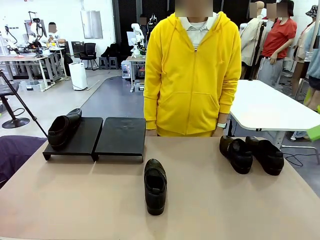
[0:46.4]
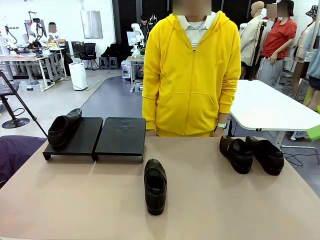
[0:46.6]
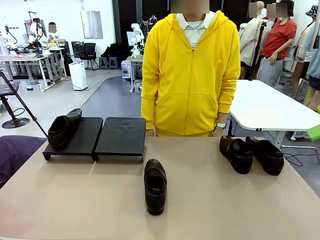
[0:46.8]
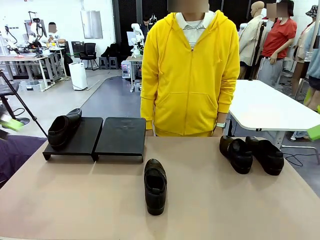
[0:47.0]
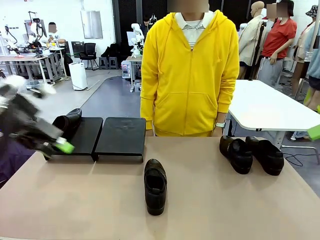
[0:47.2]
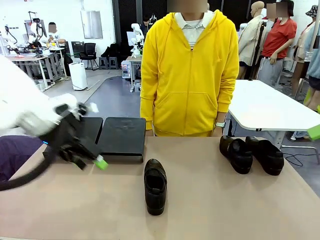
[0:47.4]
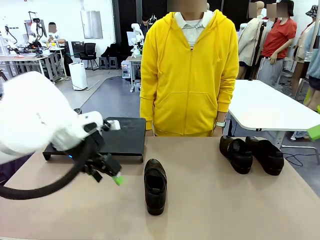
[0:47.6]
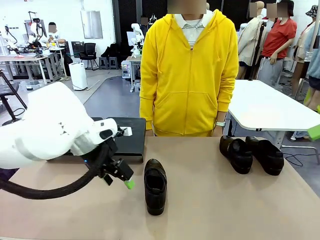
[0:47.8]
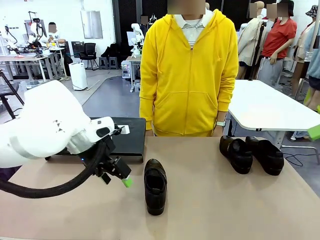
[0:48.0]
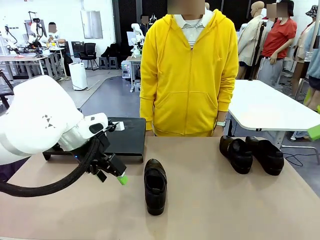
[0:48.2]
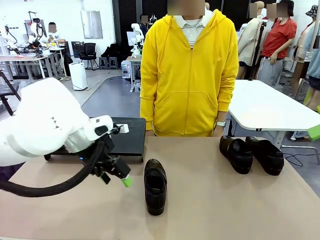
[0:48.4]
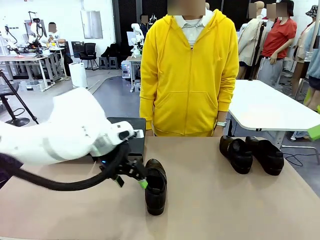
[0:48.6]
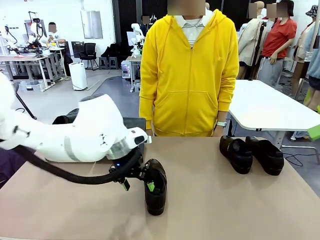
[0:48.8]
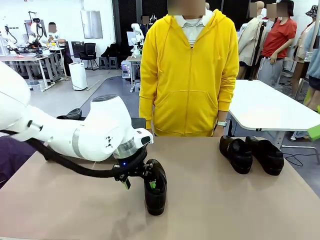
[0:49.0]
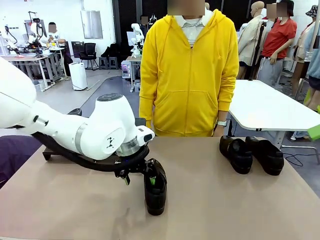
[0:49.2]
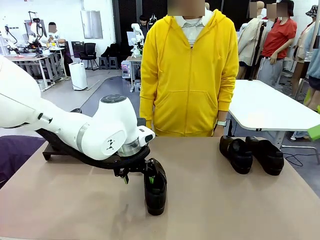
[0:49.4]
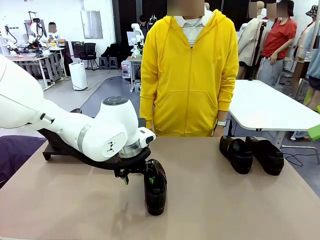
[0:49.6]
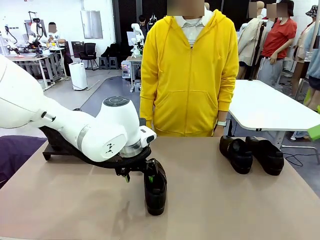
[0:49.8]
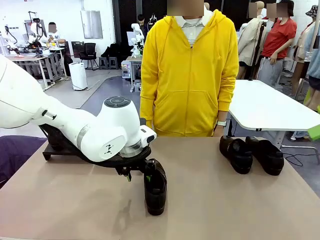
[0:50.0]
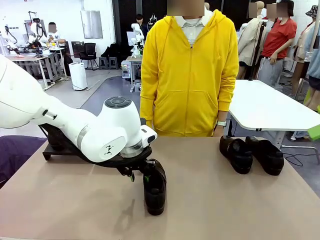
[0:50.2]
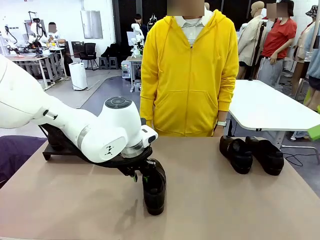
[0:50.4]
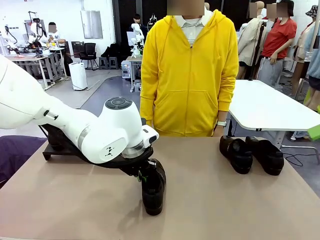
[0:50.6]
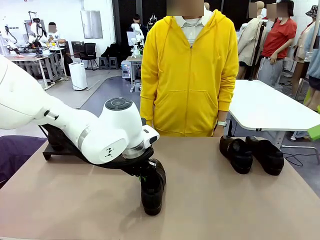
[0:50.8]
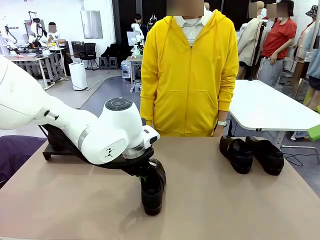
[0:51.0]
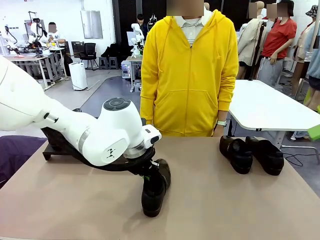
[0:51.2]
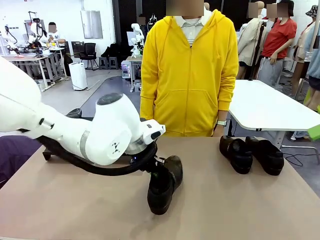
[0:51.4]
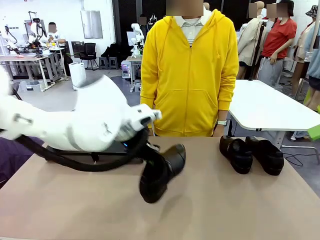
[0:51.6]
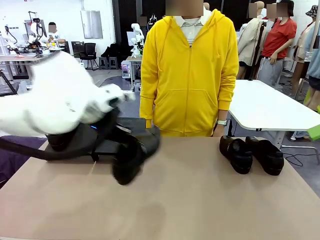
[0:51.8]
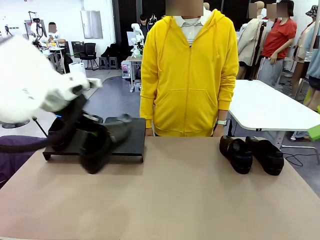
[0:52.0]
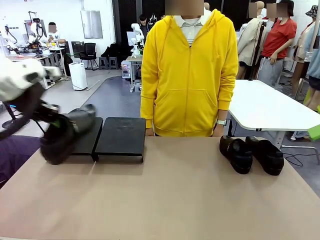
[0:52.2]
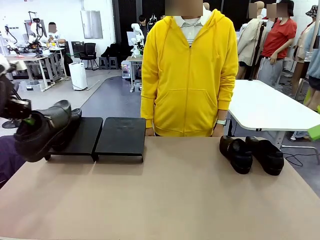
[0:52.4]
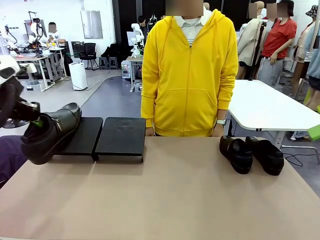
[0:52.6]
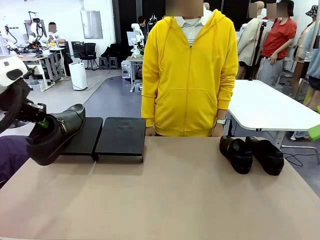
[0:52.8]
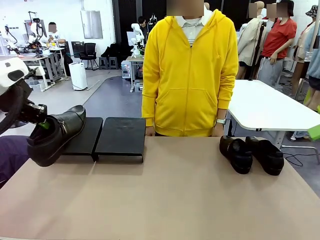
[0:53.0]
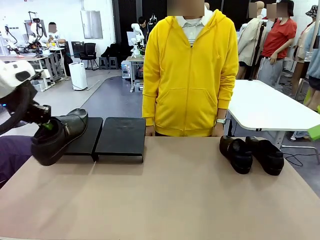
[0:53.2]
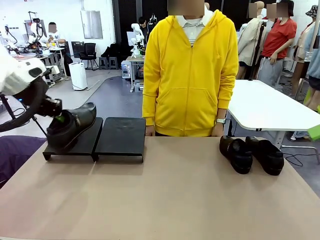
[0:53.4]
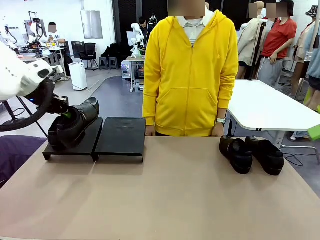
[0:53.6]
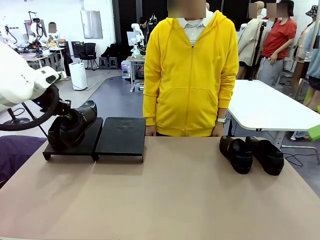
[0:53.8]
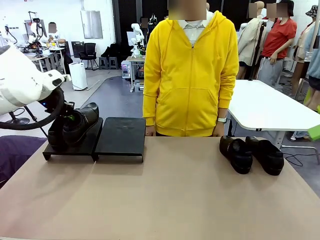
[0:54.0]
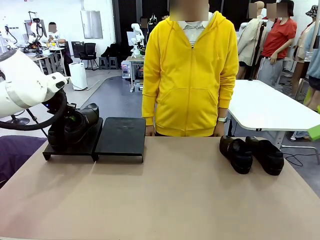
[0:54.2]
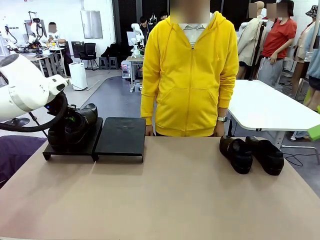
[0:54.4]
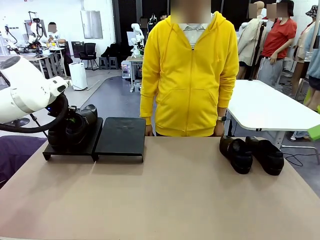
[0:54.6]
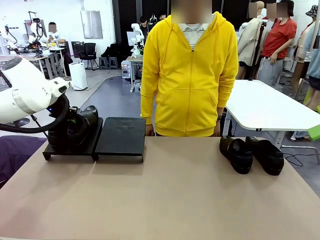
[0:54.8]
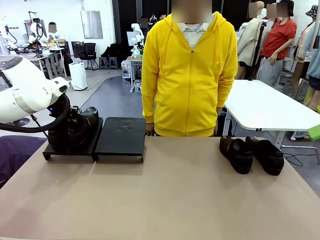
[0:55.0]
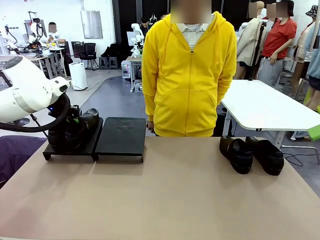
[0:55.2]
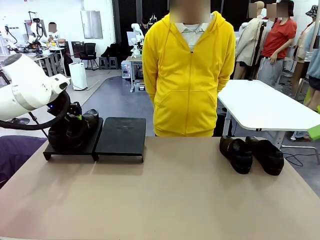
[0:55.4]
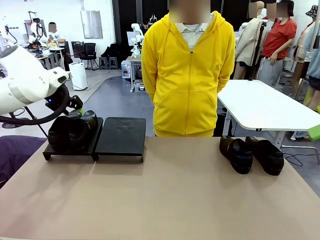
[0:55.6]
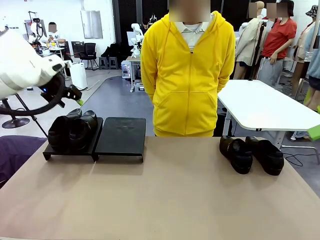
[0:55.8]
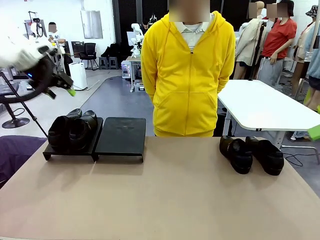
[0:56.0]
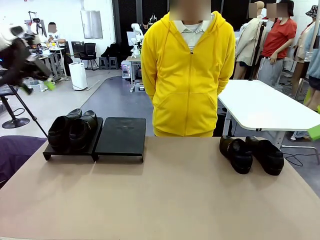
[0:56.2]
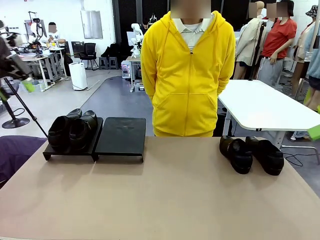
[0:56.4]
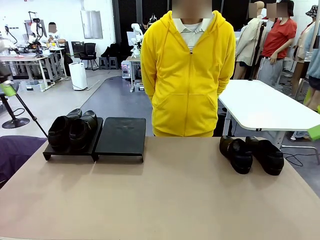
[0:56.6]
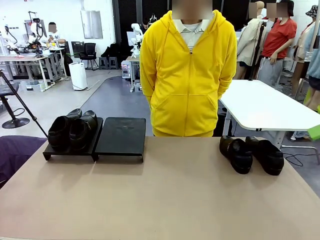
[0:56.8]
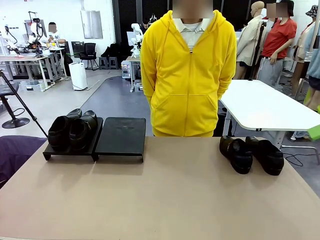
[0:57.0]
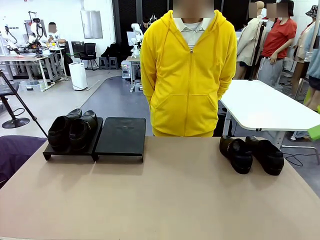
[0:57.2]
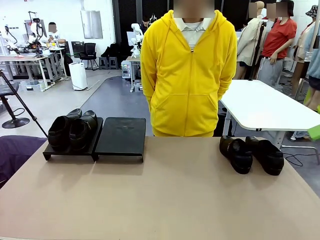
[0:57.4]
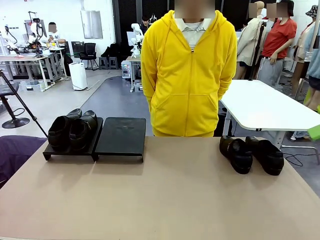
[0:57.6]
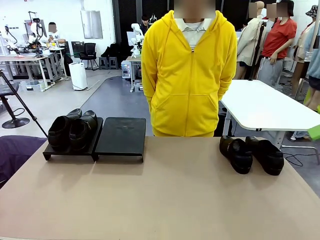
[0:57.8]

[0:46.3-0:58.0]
Task: Organize the shoes by placing them on the stand.
Robot: Place the Shoe from the middle of the table onto the Shoes Stand.

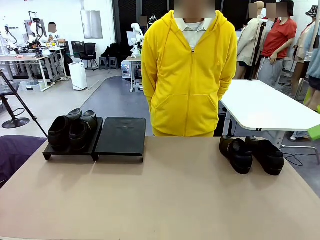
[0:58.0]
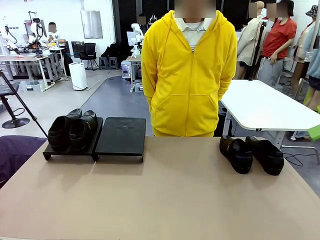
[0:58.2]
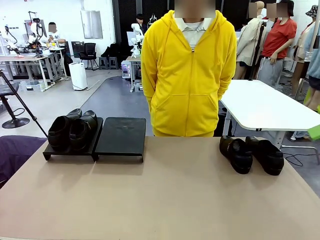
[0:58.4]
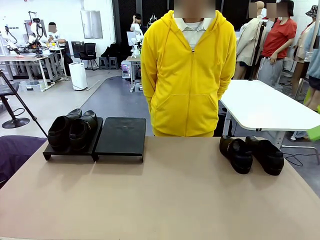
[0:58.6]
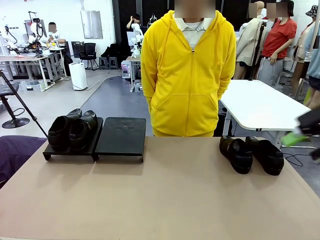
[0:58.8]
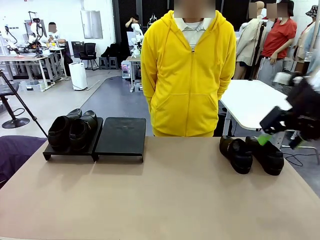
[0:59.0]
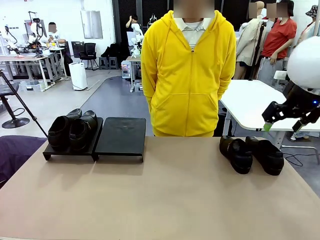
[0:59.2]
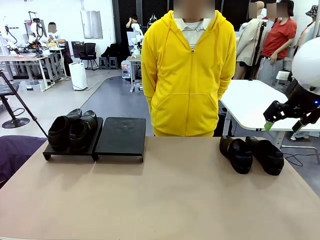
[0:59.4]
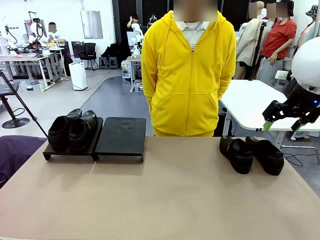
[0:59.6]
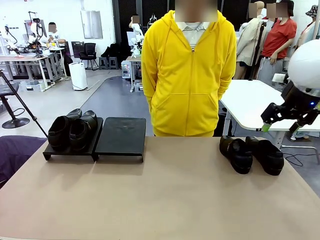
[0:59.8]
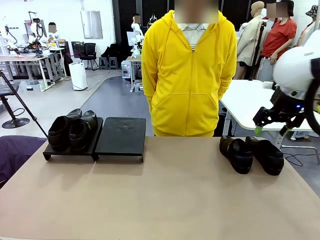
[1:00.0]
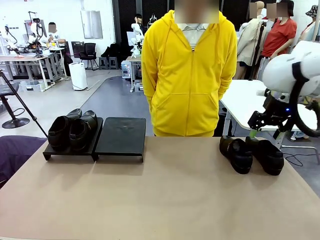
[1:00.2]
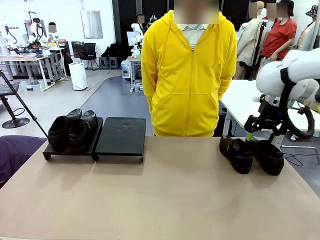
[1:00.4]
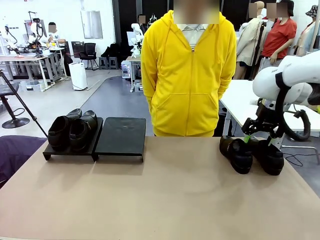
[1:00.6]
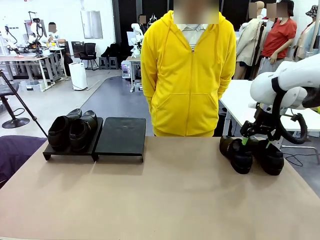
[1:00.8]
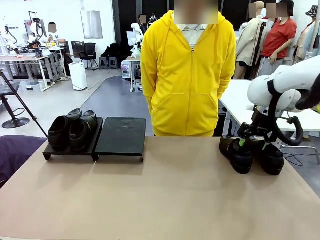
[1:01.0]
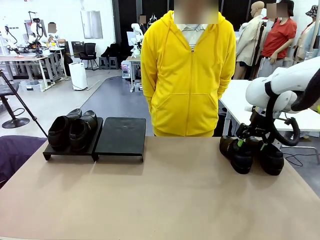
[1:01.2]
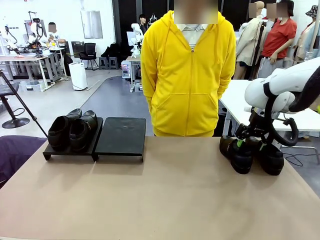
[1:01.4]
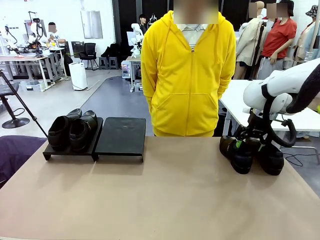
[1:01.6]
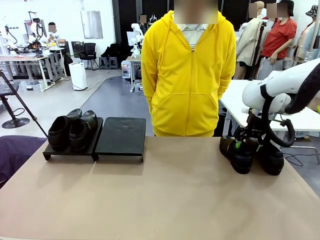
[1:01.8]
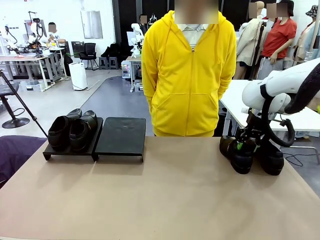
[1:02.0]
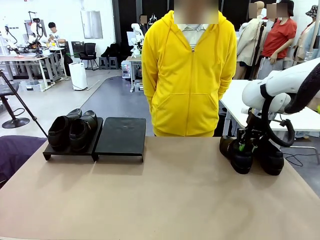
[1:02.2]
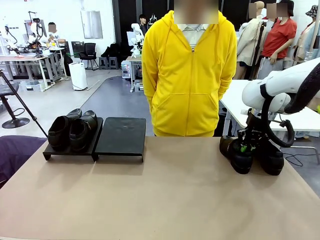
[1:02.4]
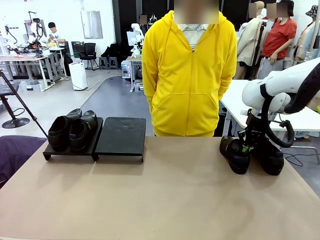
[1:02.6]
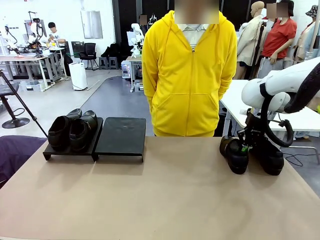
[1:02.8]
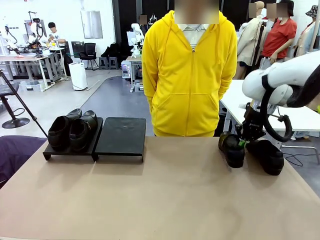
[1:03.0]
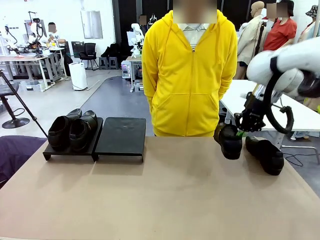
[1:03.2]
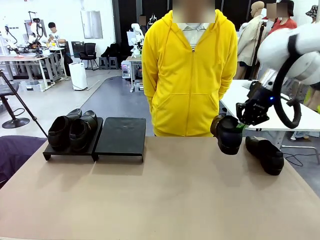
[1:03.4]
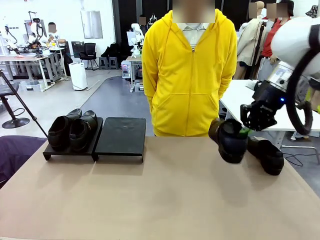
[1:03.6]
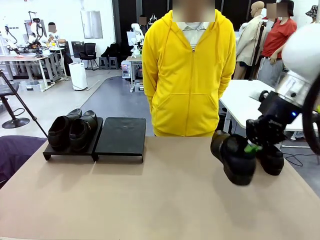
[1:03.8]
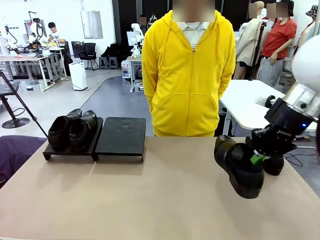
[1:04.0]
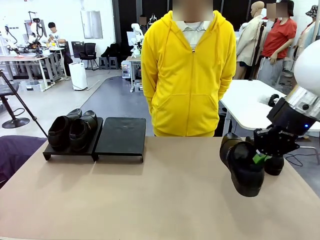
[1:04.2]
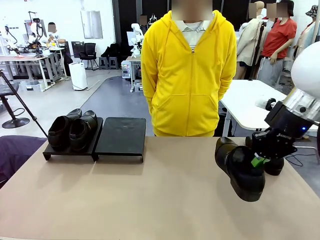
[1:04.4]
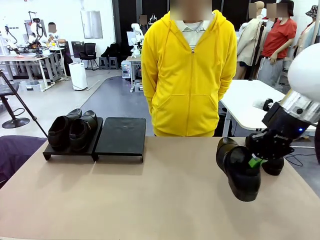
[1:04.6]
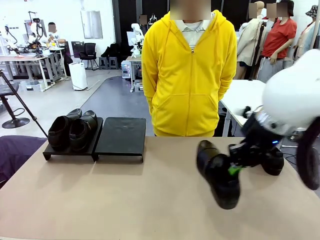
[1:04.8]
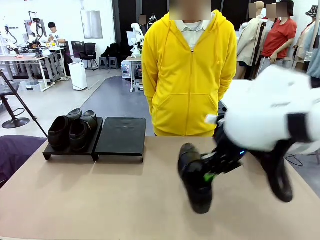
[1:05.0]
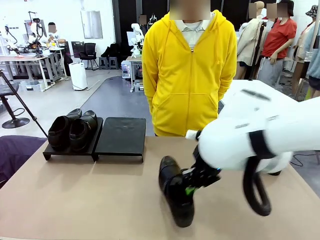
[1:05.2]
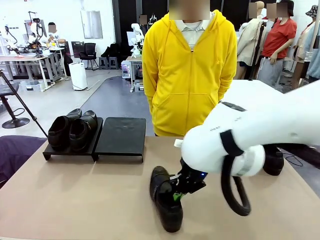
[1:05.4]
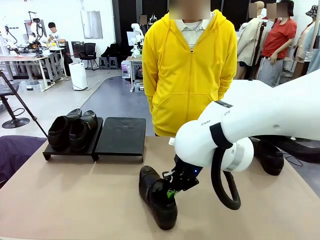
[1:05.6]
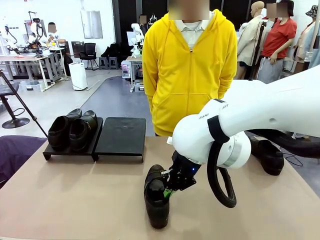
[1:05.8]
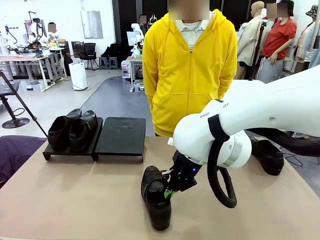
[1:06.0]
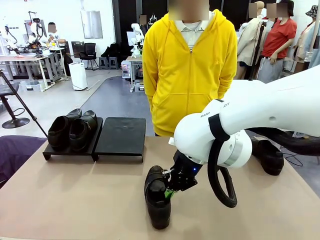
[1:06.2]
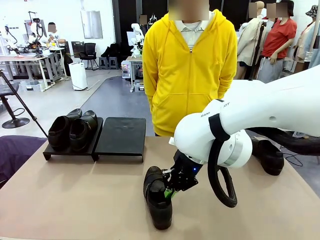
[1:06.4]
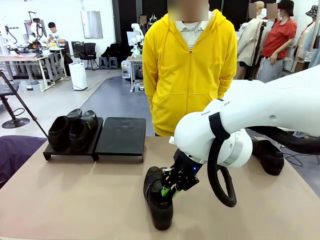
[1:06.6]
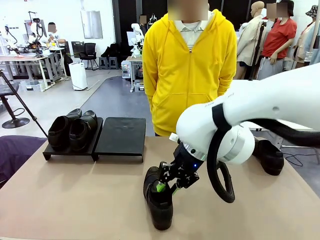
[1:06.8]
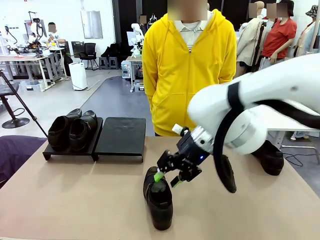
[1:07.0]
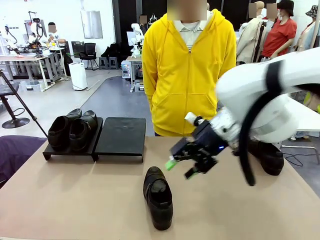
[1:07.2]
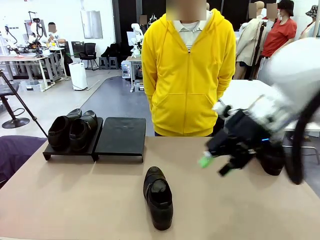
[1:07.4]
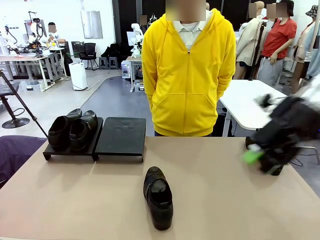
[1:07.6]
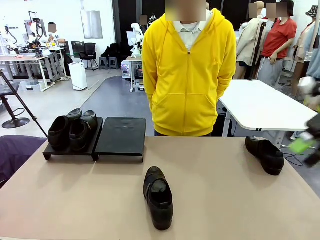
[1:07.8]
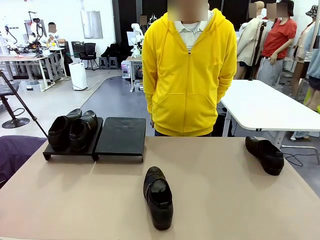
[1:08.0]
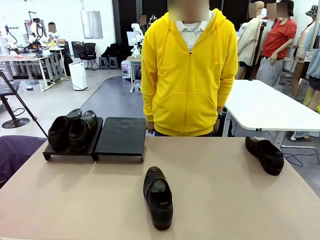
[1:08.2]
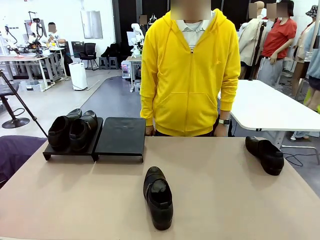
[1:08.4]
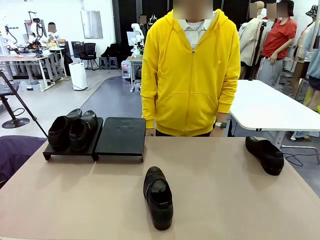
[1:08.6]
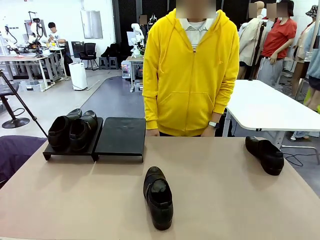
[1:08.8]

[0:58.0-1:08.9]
Robot: Pick up one Shoe and place it in the middle of the table.
